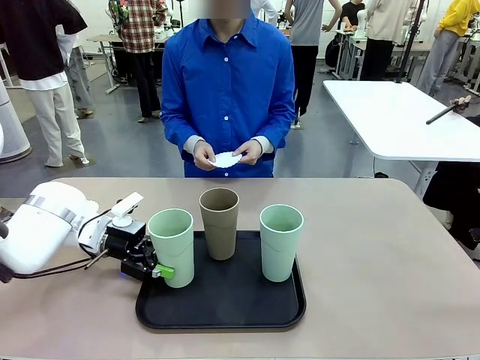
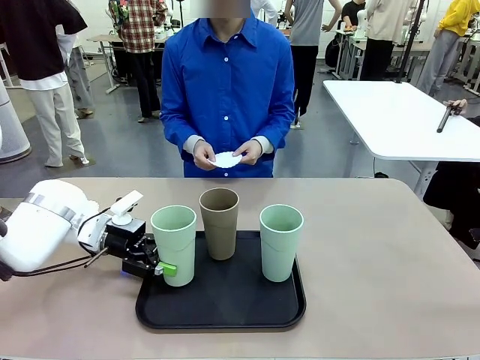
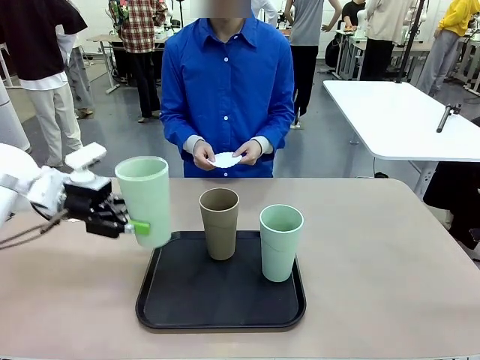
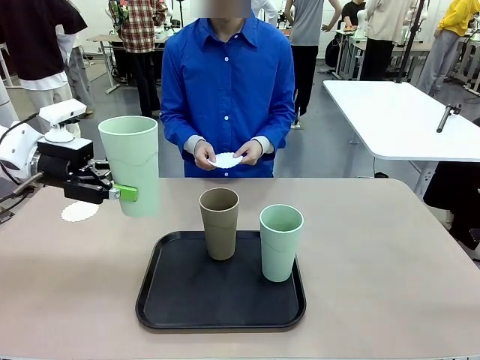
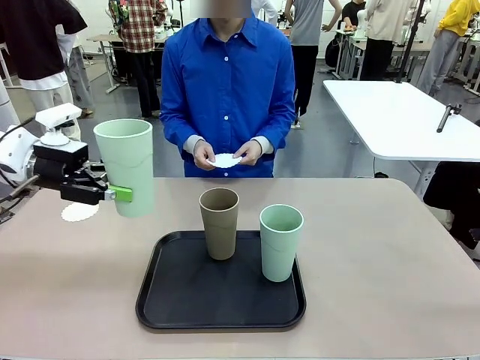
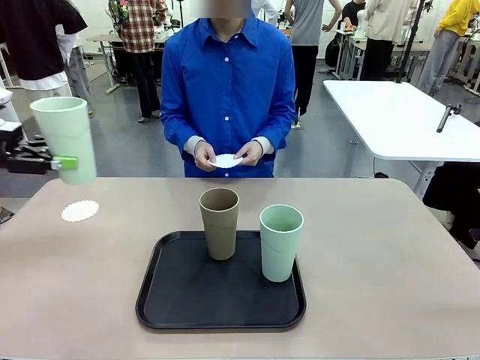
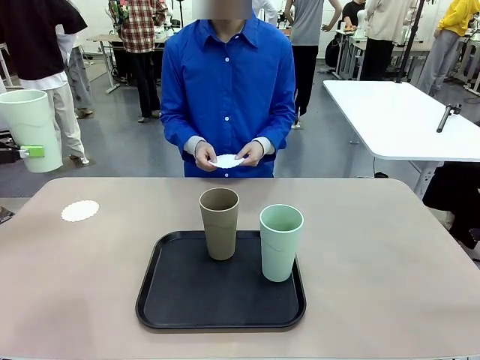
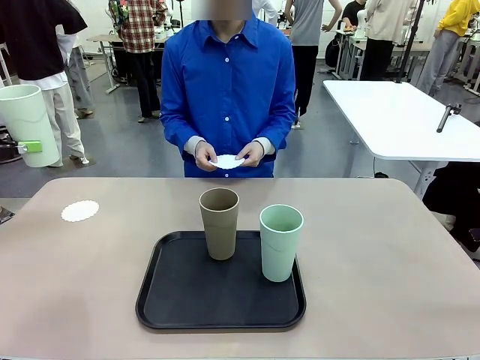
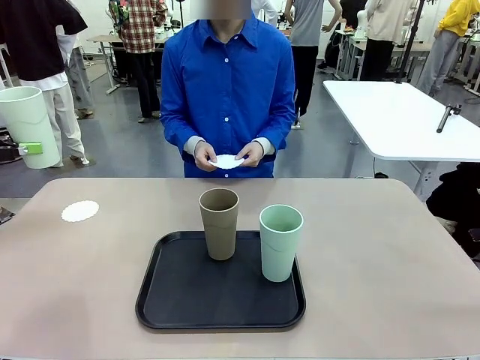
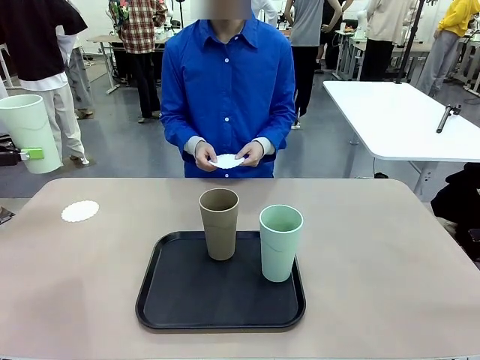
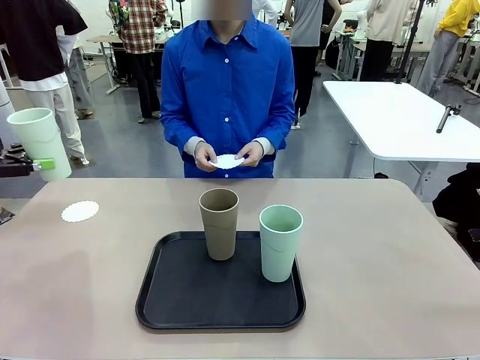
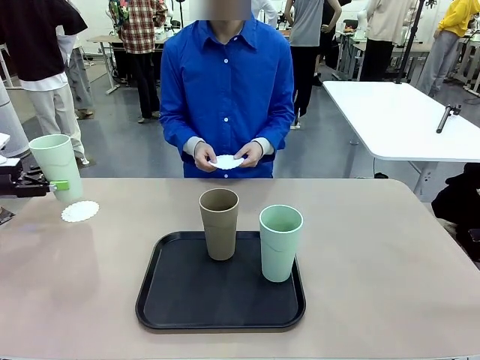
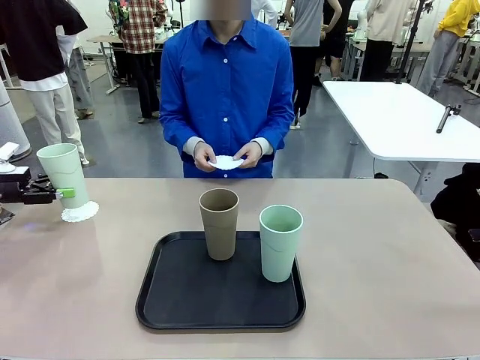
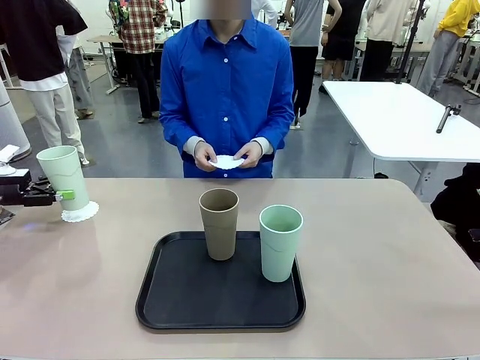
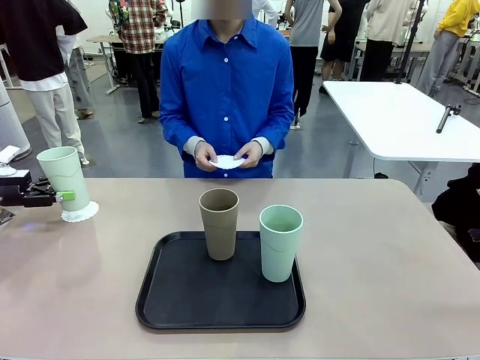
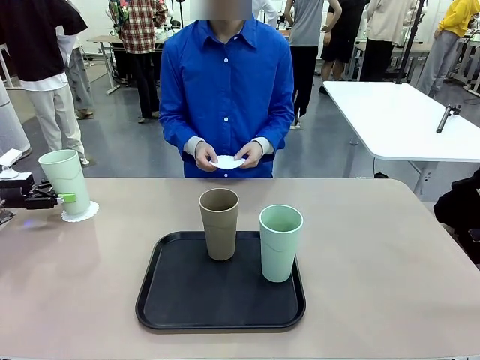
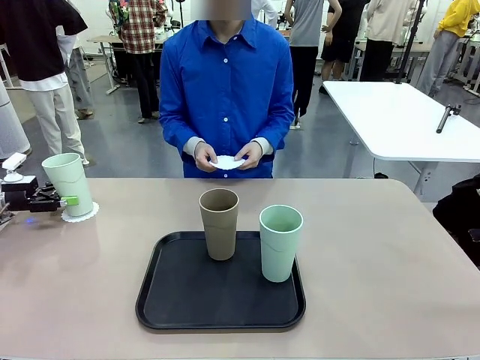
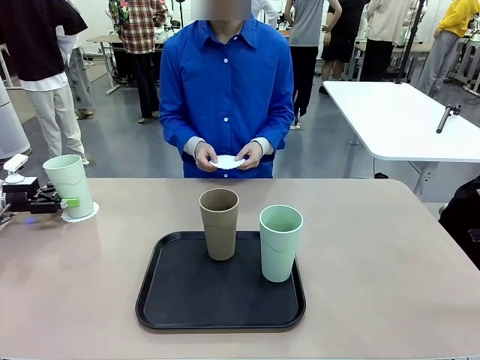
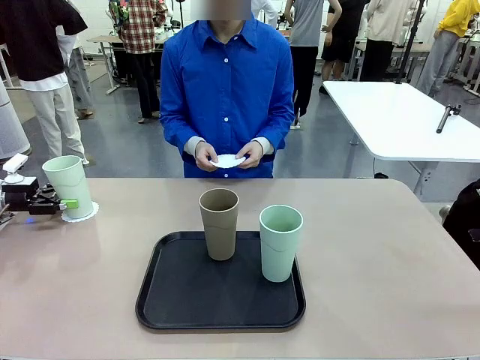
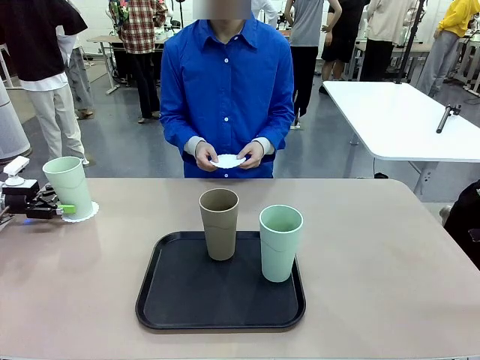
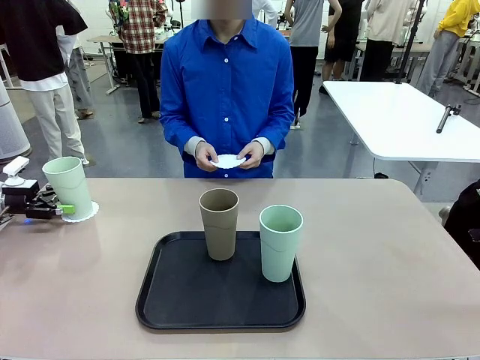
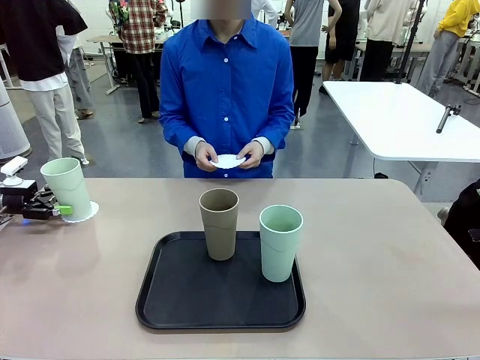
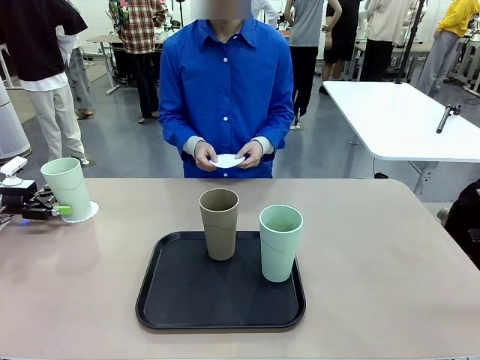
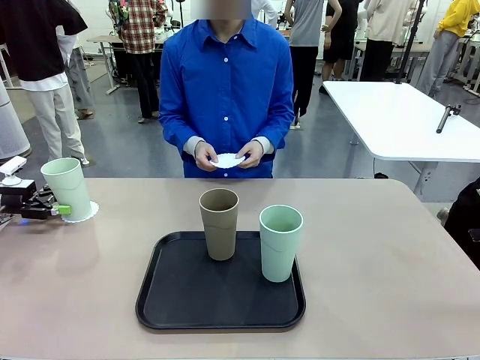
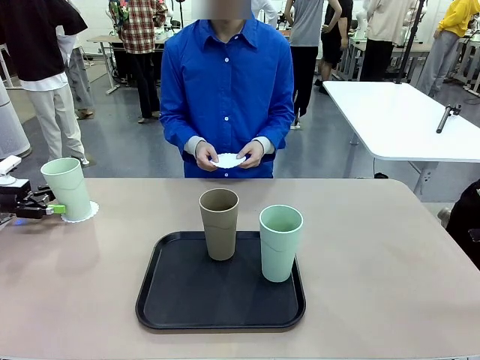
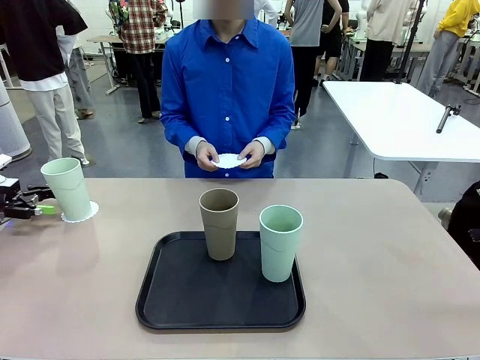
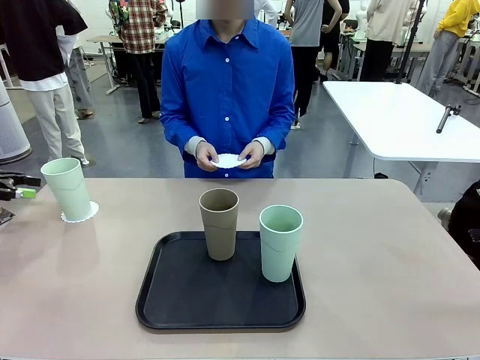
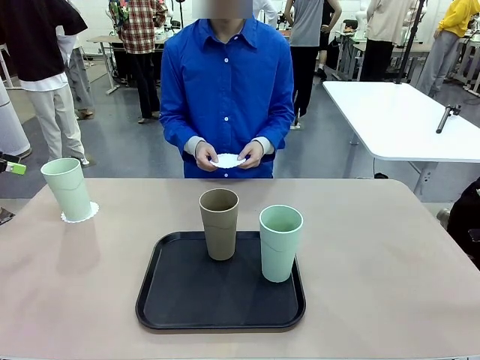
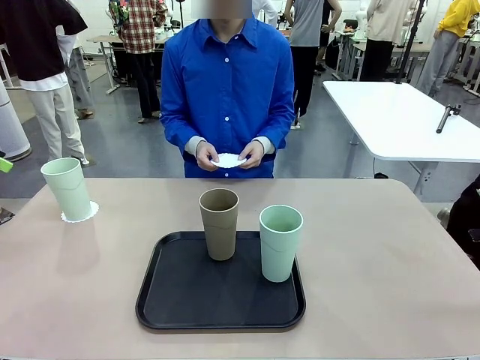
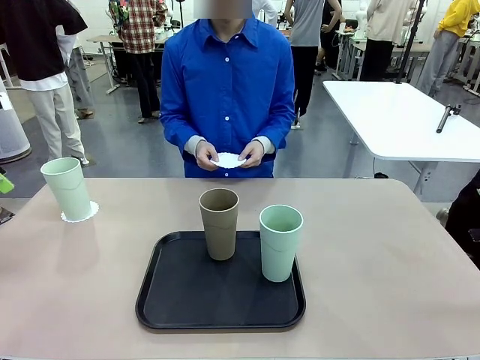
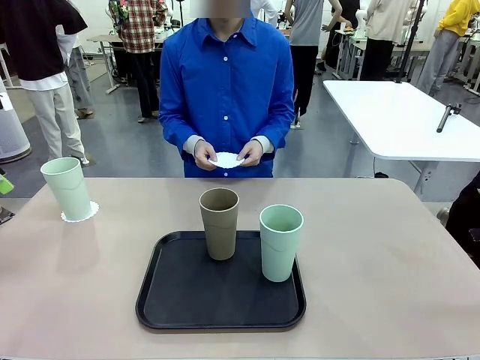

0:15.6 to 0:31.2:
Task: Place coasters on the table and set cups on them.
Robot: Pick up one Reusable plastic cup and place it on a coaster set by the human.
Person: Place one coaster in one of the two areas excluding the previously selected area.
